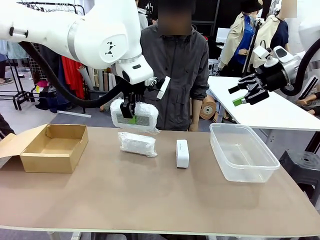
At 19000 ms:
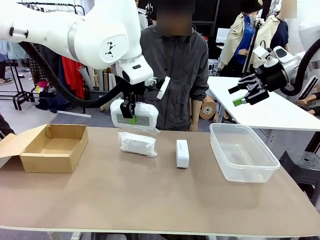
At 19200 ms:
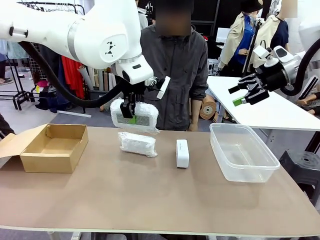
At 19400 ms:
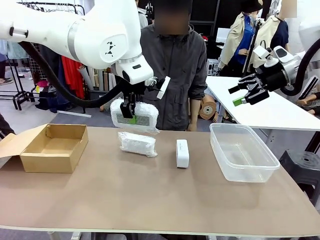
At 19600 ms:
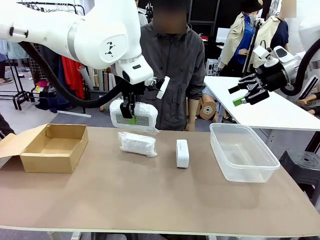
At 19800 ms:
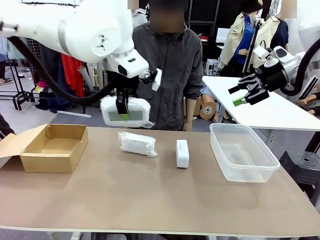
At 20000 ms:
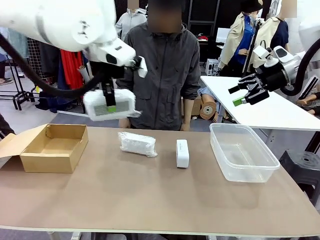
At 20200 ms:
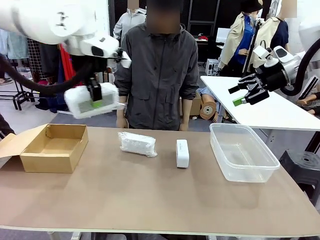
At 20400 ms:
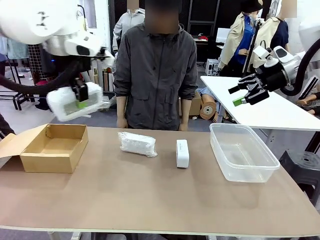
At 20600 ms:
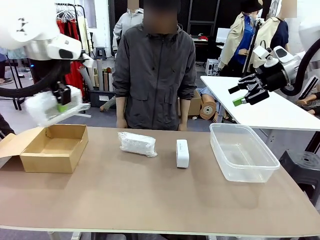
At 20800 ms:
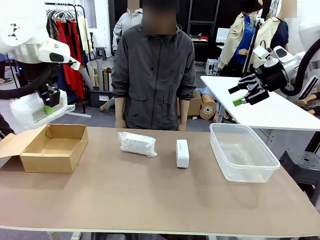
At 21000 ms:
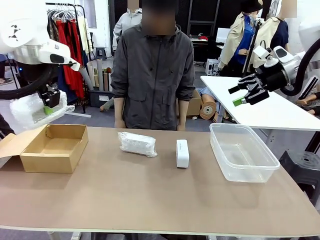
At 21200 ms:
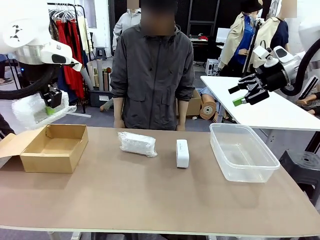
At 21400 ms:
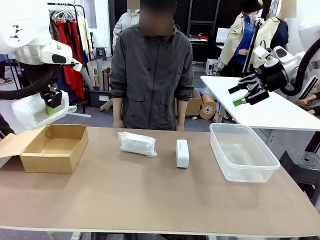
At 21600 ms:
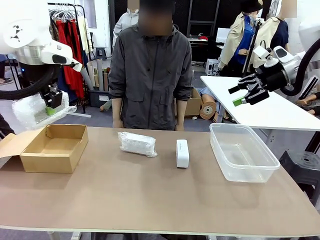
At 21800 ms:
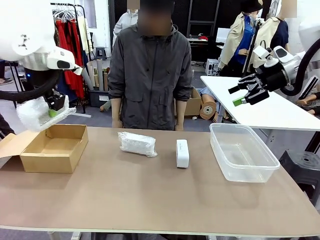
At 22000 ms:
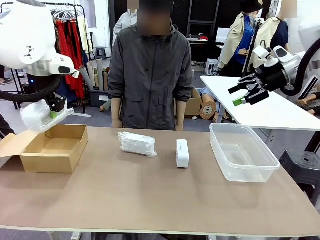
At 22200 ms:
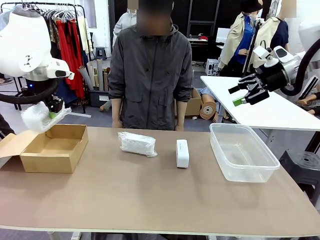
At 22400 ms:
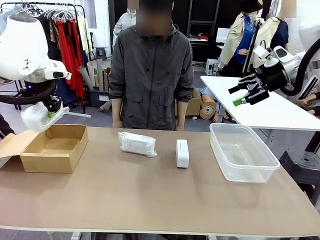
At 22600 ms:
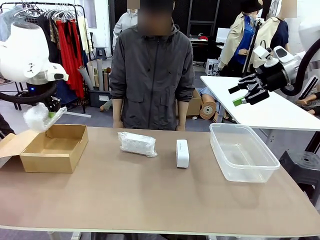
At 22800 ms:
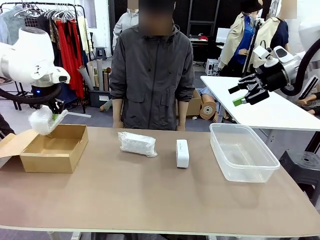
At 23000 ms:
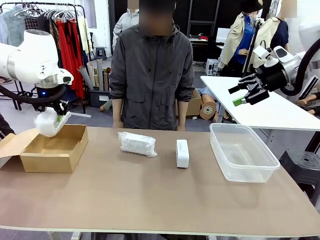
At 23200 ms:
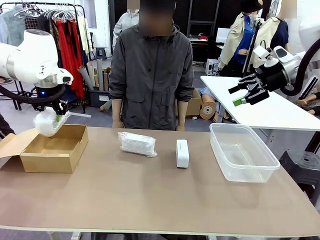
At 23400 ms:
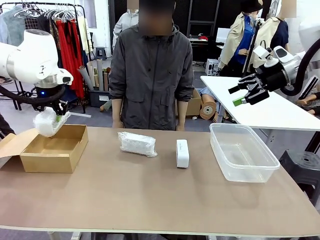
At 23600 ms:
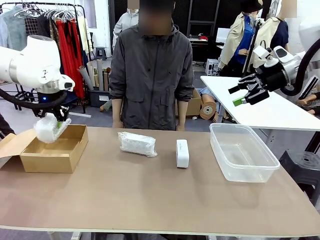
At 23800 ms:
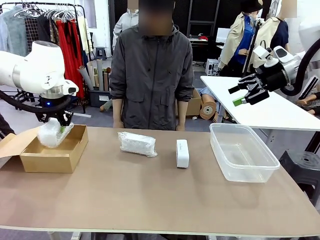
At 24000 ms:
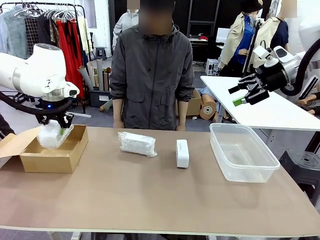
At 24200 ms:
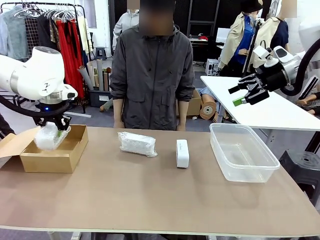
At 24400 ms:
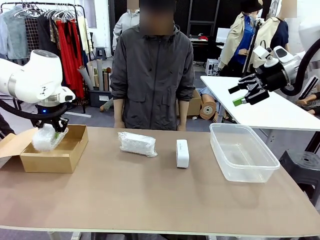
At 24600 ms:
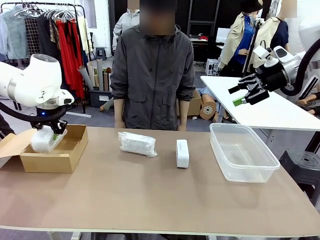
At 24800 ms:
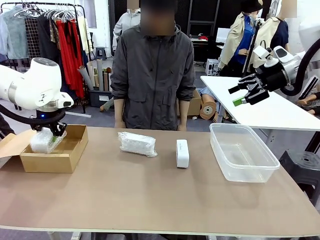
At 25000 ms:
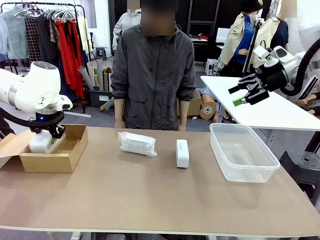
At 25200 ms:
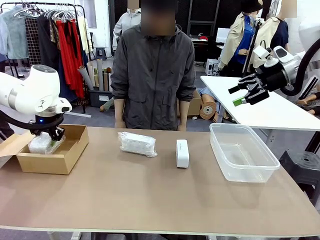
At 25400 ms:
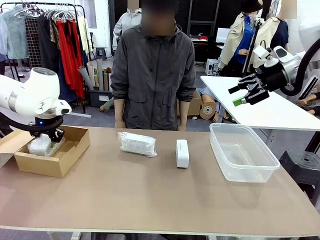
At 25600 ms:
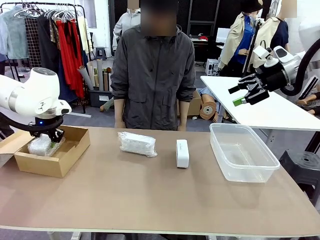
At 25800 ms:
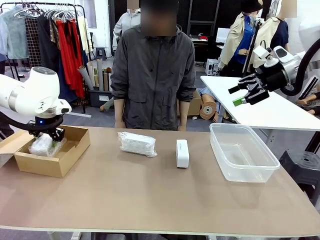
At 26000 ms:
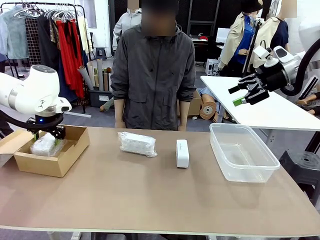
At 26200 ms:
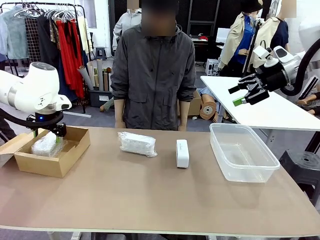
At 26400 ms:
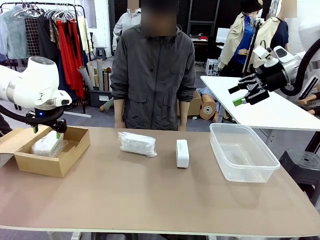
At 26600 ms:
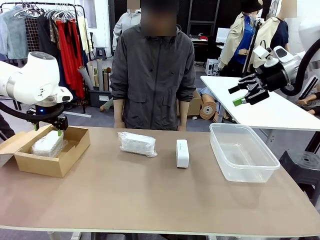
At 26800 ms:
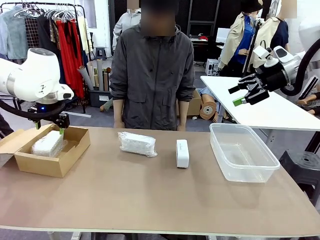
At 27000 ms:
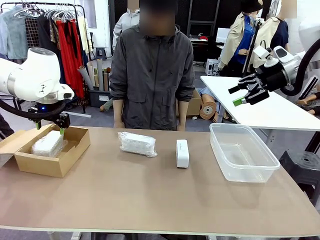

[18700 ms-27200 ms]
Task: Separate and place wrapped and unwrapped clocks.
Robot: If the picked Digital clock is wrapped, place it in the Package Box ; if not, place it in the Organizing box.

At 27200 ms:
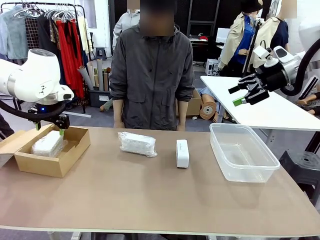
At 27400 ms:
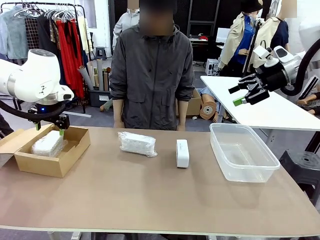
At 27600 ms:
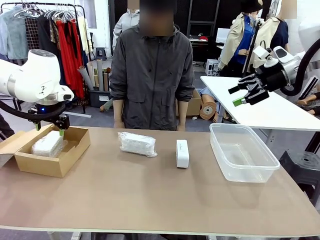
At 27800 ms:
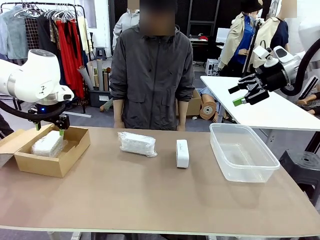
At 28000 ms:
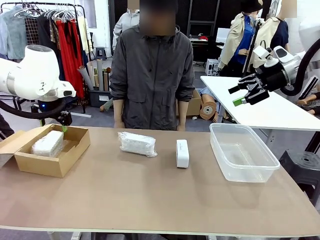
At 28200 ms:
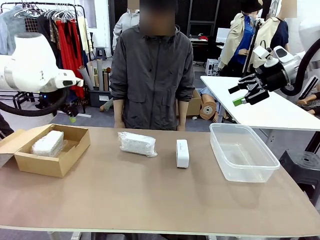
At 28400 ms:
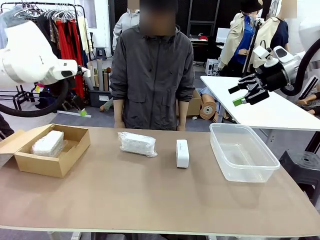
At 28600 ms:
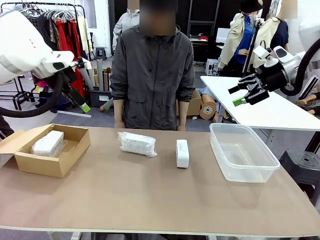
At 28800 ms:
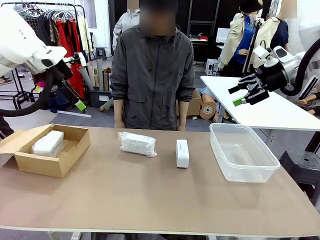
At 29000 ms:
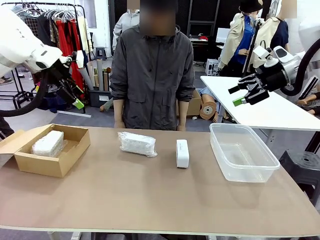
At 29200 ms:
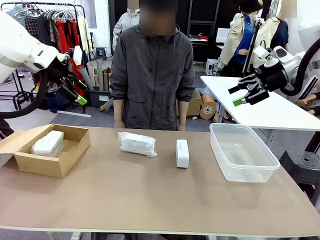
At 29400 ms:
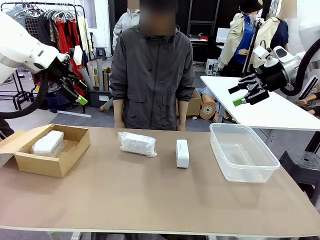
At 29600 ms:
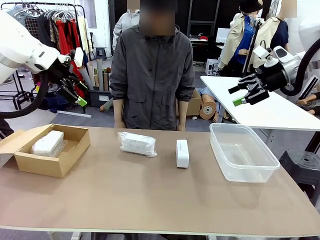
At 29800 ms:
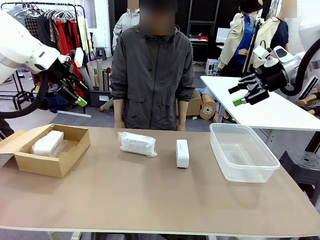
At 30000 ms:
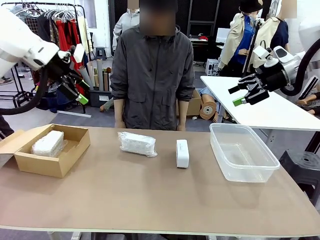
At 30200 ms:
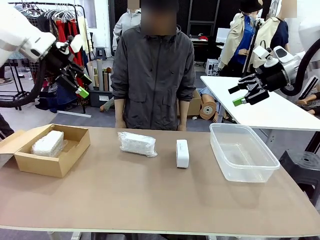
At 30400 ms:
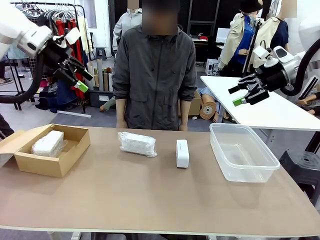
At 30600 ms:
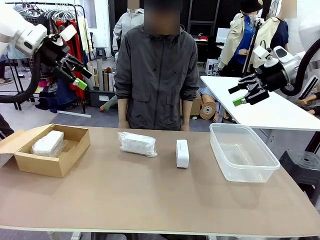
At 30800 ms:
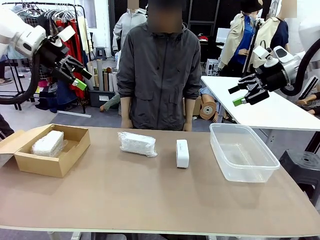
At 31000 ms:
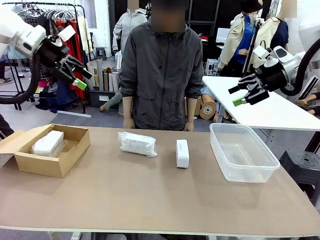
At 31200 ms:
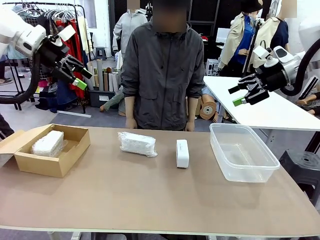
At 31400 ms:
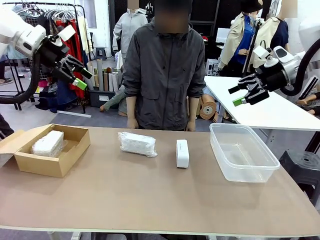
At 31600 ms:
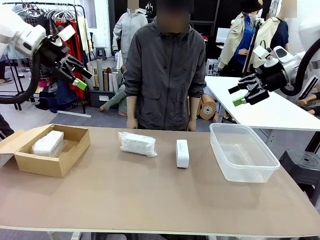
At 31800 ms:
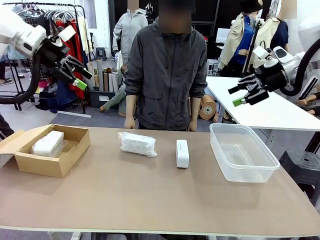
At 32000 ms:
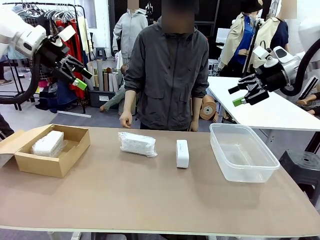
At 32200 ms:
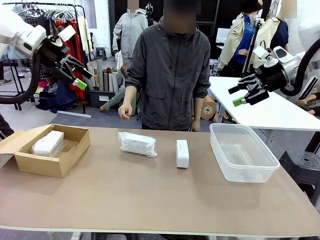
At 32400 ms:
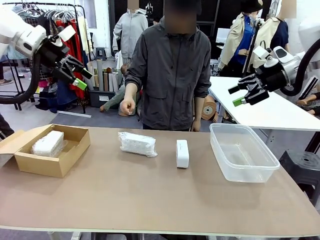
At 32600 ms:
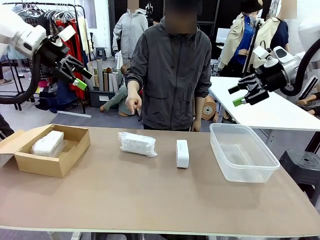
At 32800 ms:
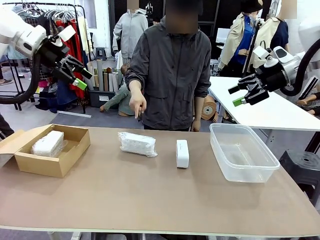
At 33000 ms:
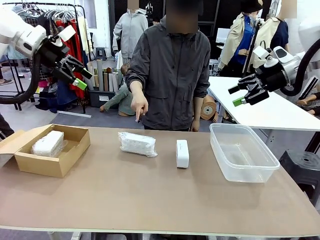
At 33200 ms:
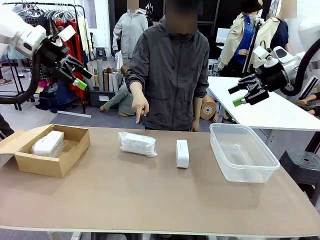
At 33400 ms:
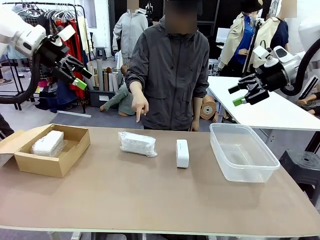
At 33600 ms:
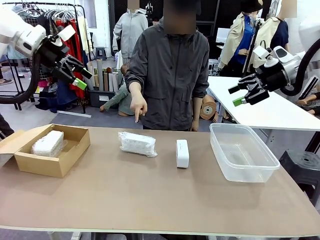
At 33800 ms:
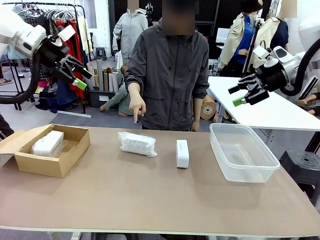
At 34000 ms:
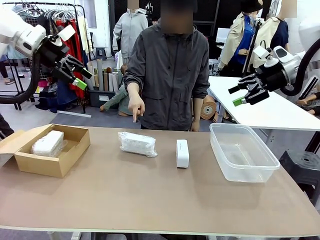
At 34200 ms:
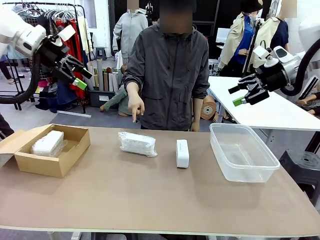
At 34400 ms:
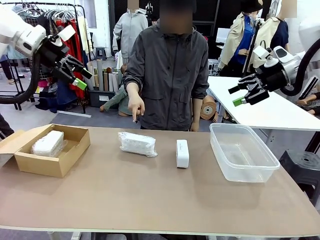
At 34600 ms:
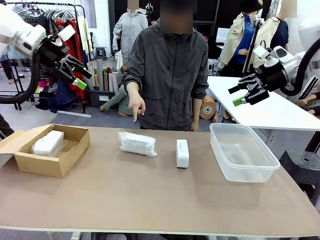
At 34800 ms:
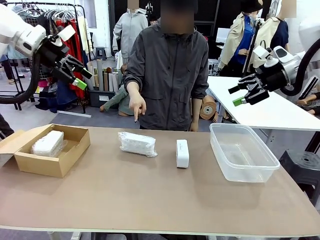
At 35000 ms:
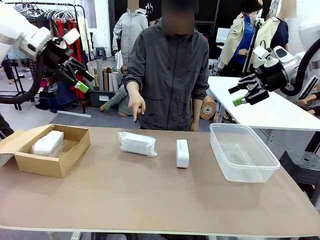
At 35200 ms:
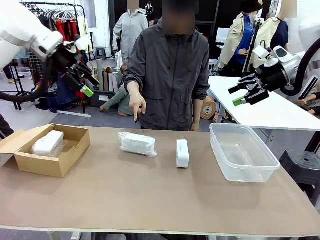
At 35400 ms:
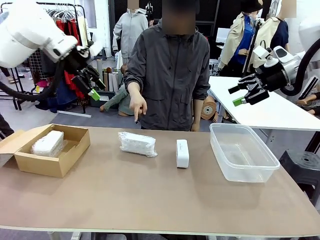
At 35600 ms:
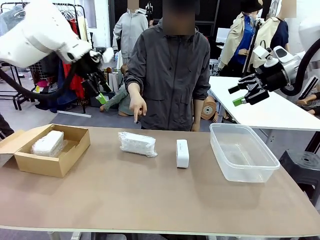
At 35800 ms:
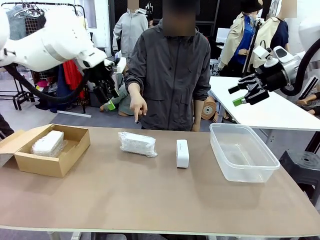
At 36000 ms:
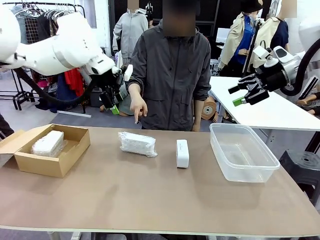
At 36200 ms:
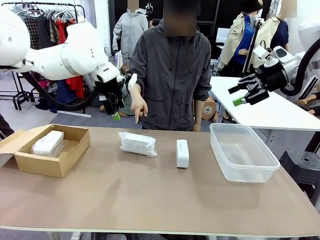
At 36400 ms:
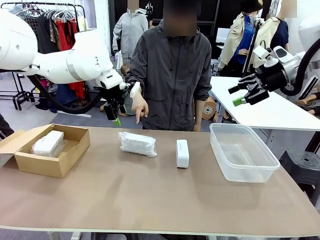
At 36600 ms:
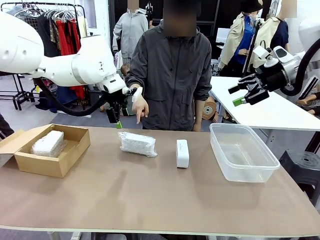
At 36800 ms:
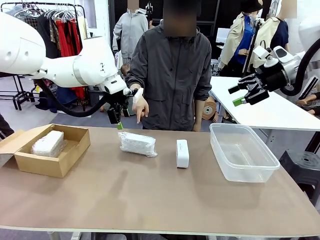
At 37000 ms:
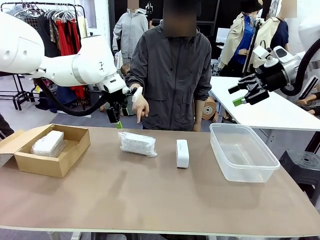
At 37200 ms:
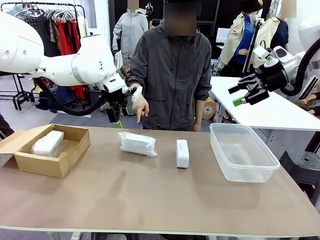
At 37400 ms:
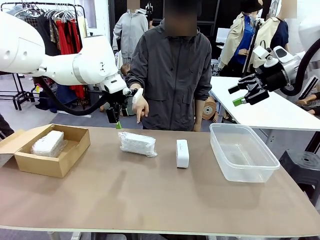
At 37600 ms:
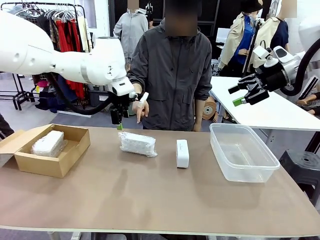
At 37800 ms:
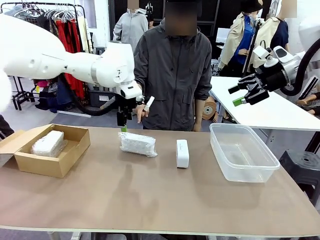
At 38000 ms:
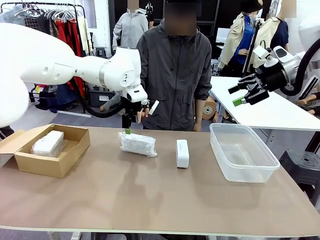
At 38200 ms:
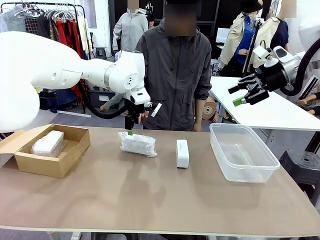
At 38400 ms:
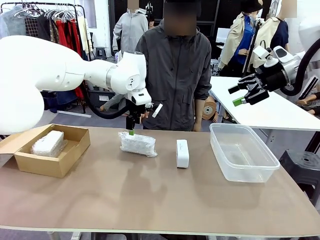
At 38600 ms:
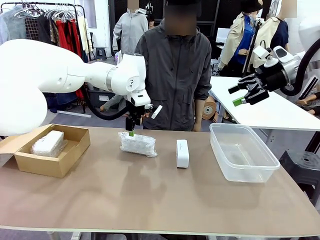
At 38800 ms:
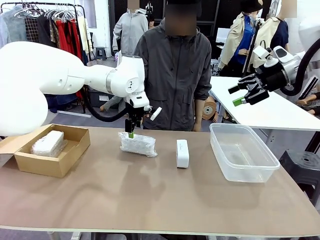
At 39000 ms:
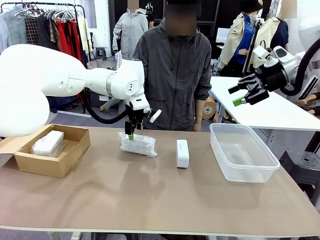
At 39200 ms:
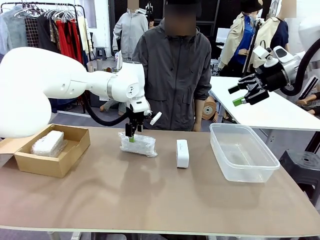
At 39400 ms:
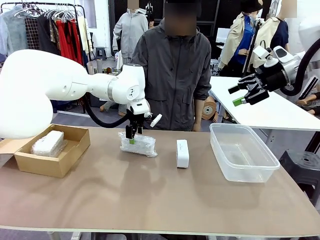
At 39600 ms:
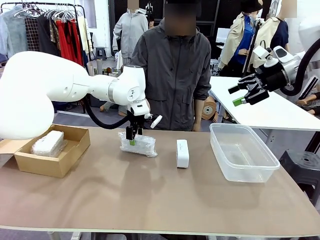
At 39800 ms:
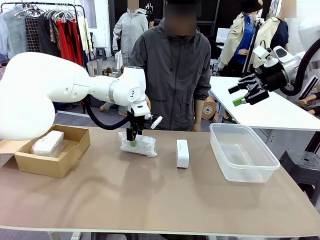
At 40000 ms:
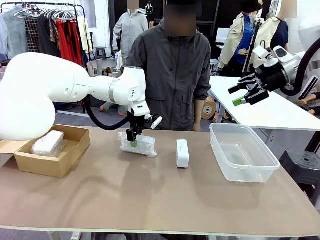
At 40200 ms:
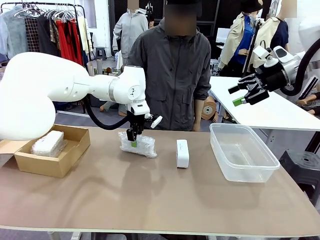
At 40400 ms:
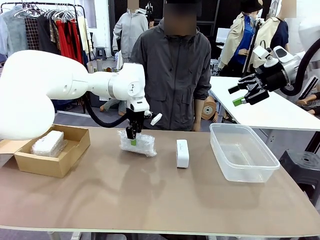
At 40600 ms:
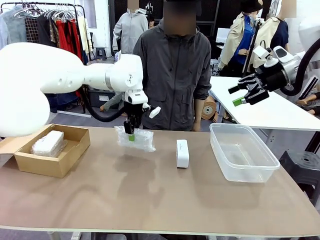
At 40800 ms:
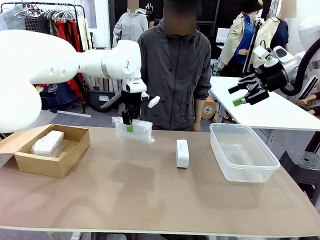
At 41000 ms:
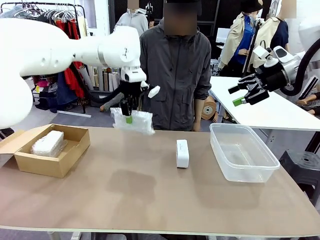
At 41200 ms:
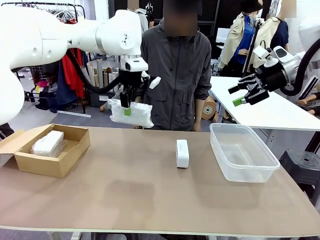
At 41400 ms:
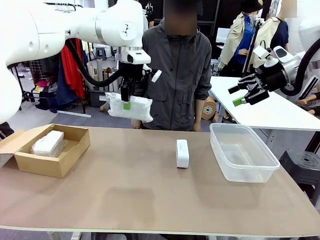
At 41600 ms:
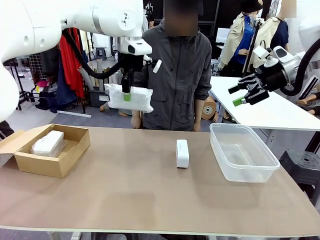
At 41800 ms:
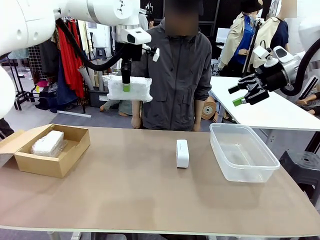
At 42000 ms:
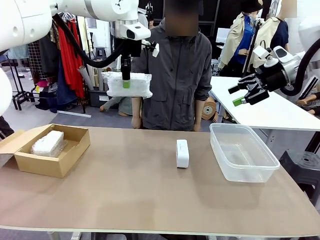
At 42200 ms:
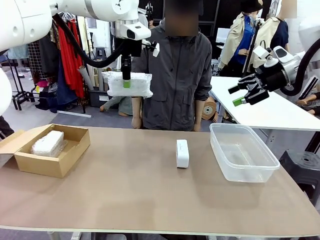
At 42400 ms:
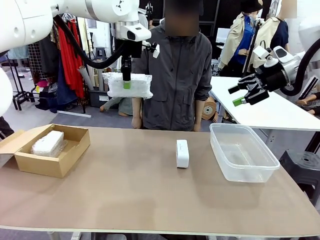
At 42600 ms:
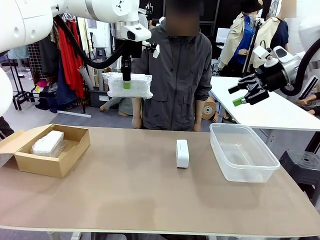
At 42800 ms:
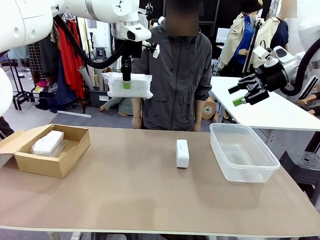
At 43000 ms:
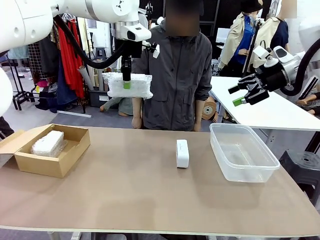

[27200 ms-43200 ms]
Robot: Pick up the Digital clock indicated by the person.
